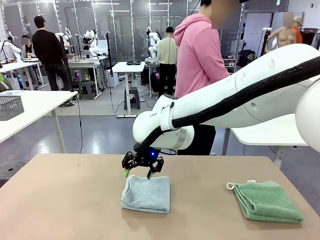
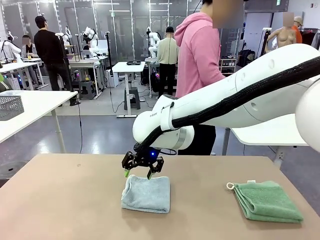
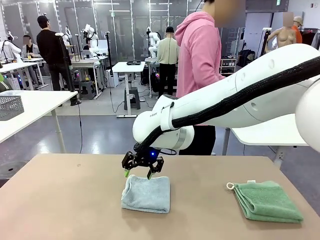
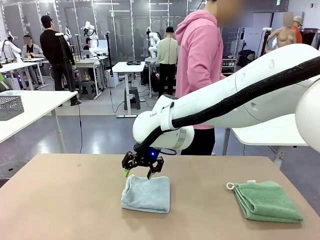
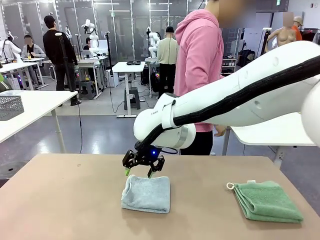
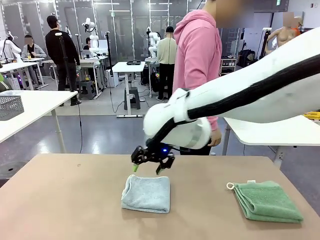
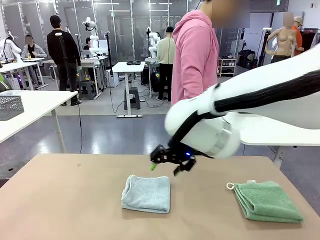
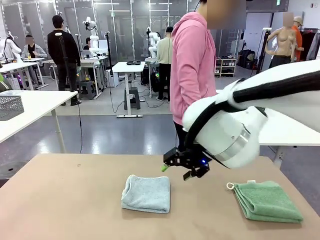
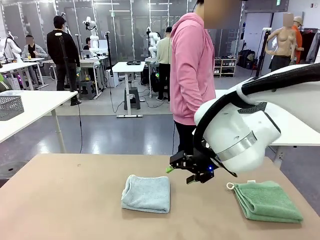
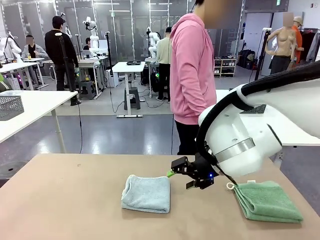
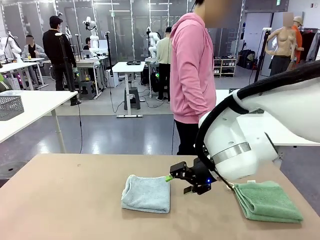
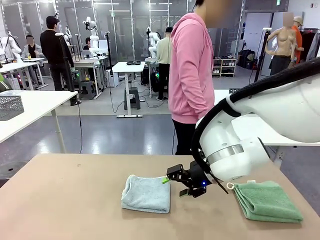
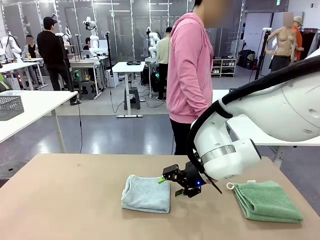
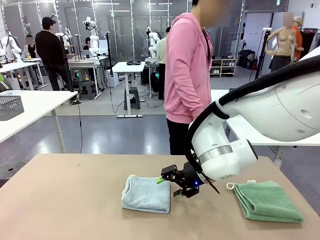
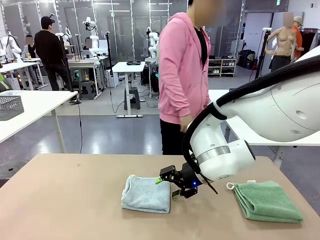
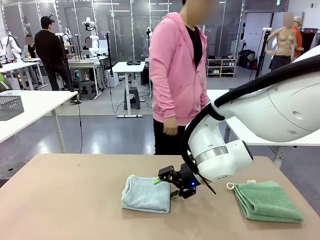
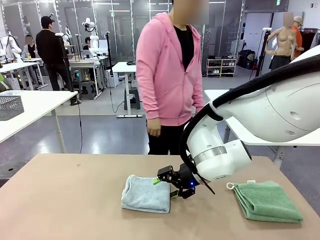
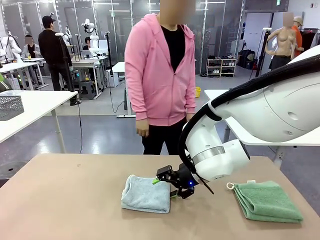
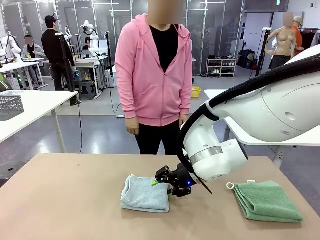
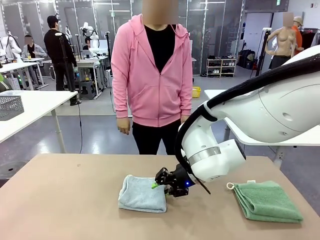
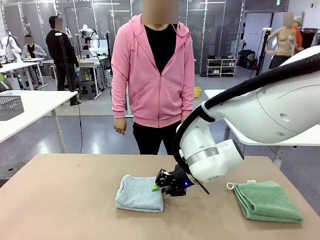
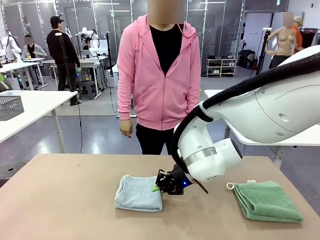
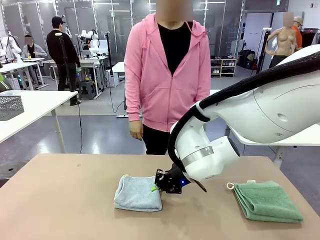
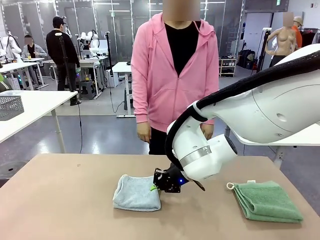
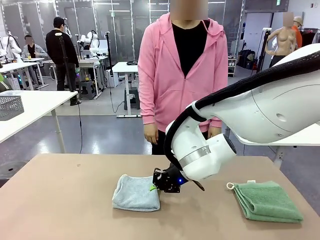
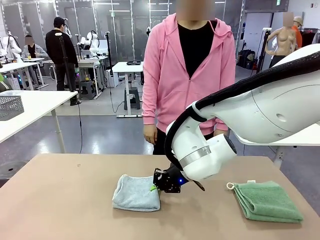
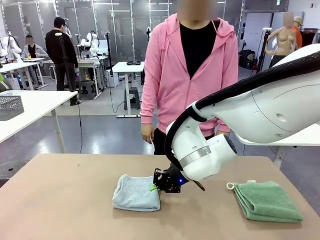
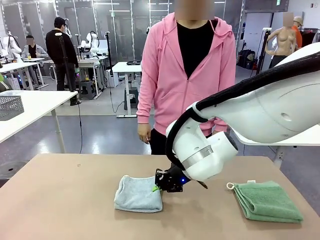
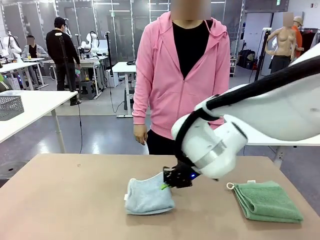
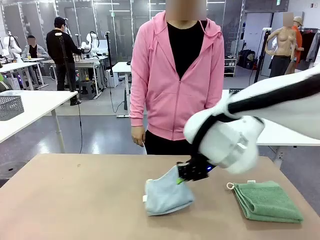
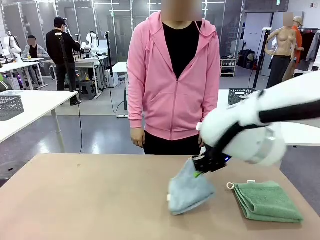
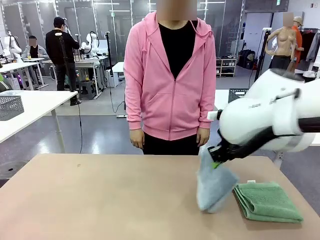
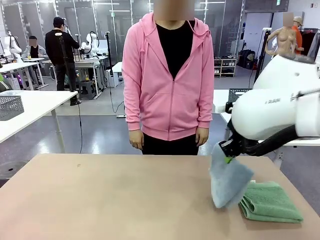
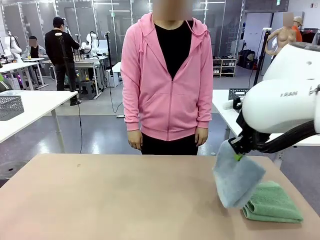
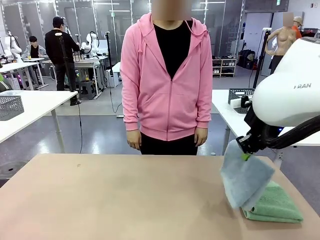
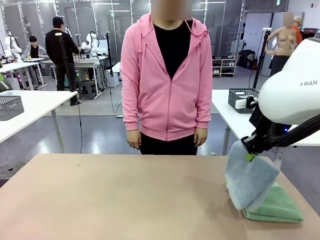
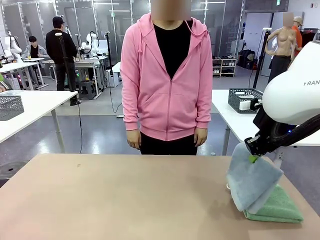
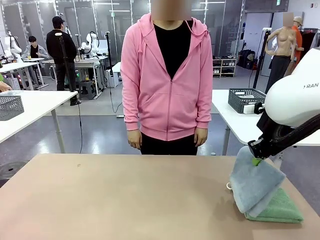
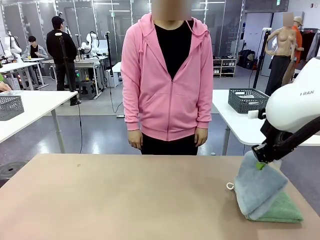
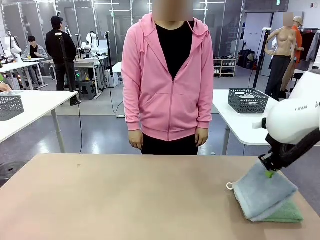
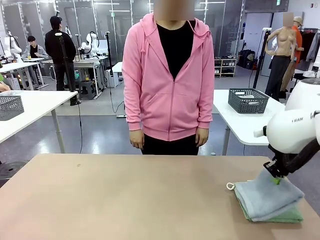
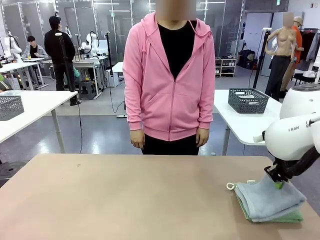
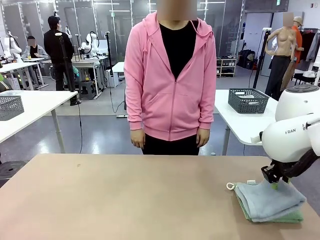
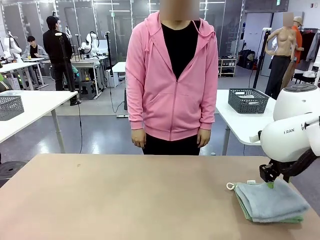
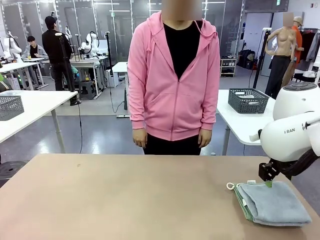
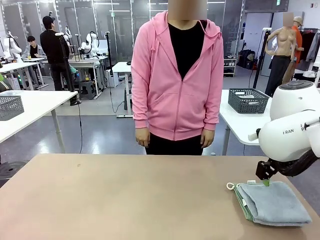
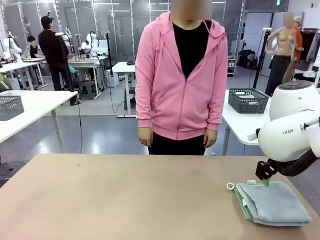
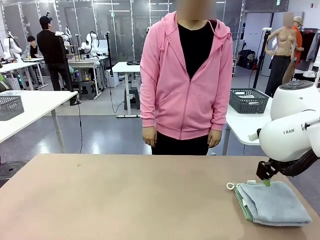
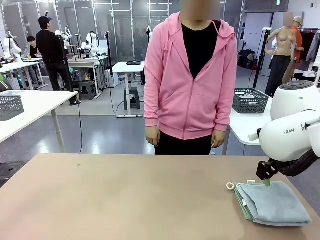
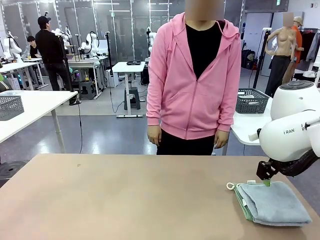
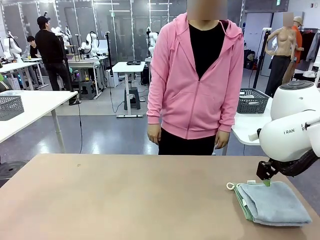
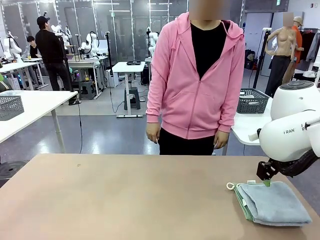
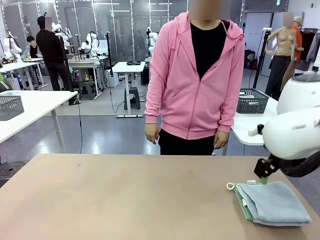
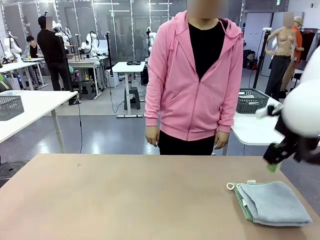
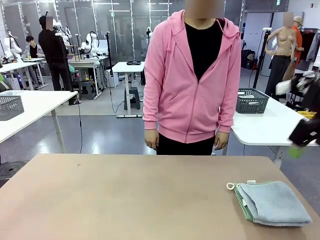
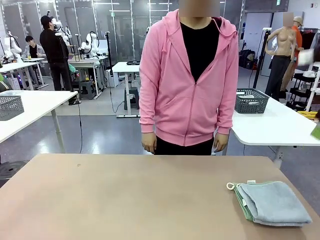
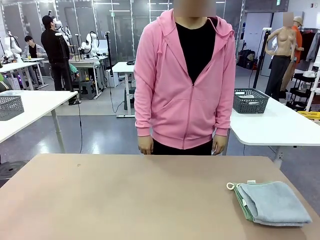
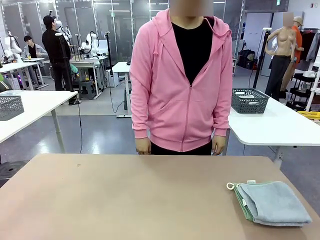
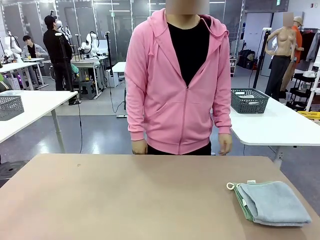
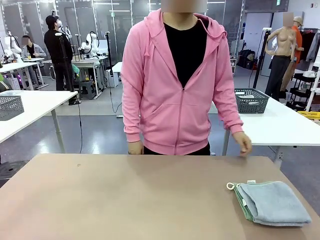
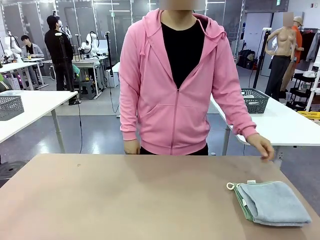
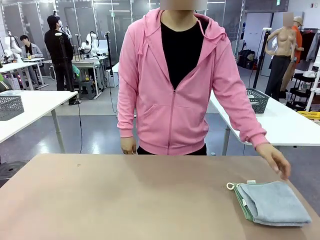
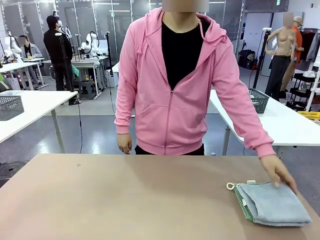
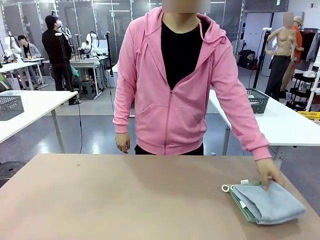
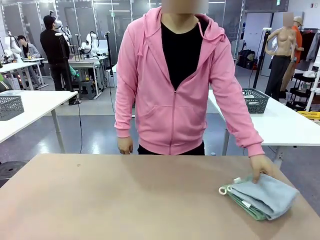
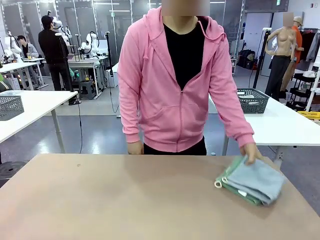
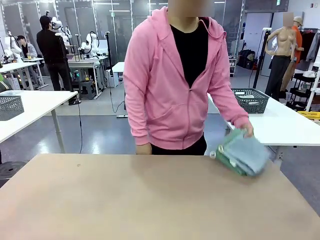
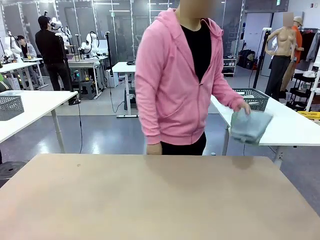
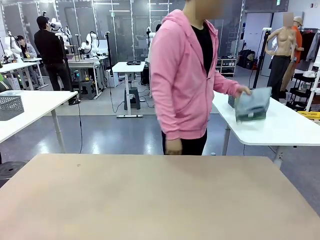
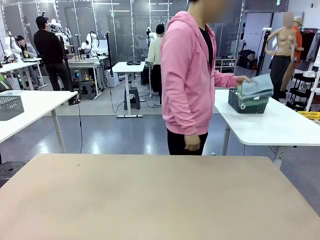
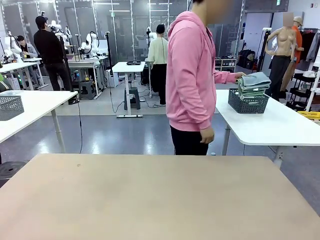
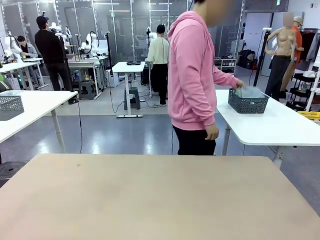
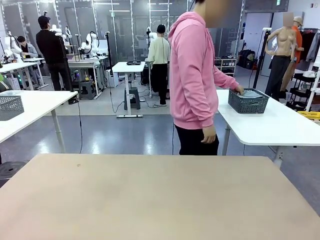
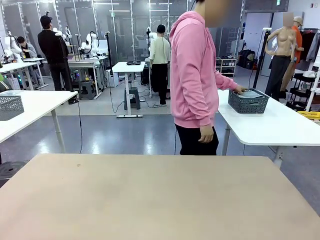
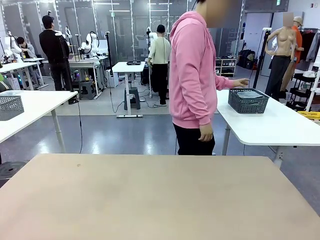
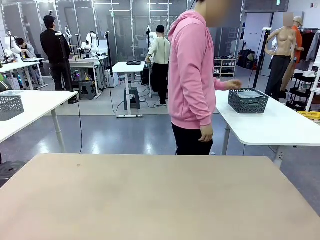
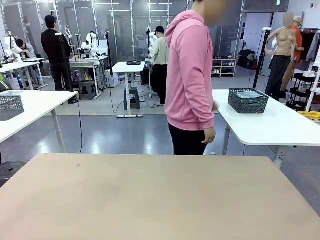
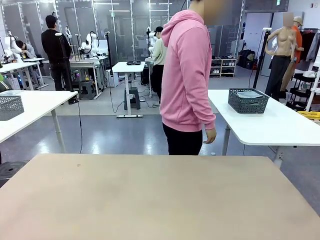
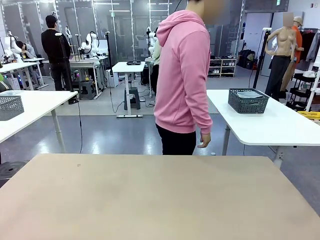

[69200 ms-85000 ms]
Task: Fold the towels and place them in the basket.
Robot: Stack the folded Towel with hook on the right side of the table.
Person: Pick up the stack of towels from the robot table and place it into the basket.
